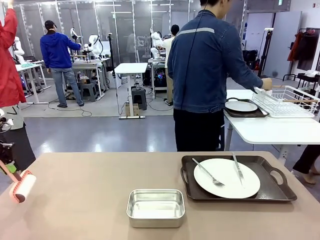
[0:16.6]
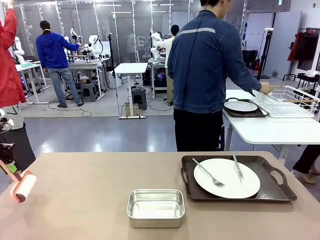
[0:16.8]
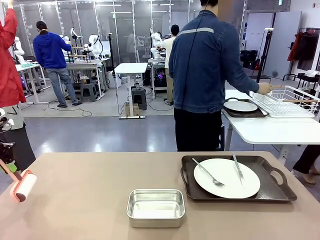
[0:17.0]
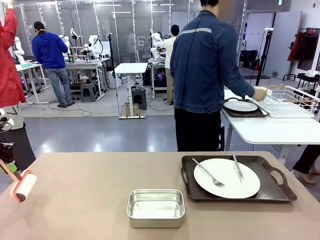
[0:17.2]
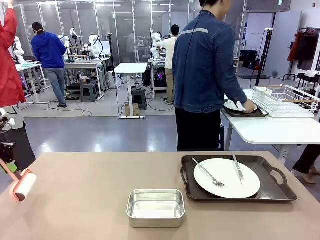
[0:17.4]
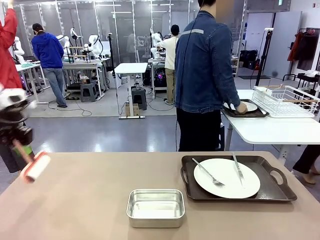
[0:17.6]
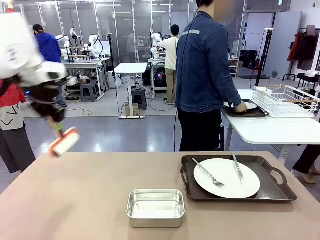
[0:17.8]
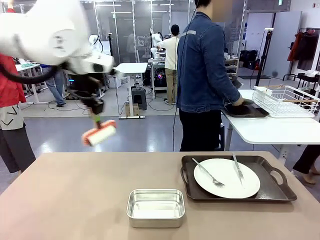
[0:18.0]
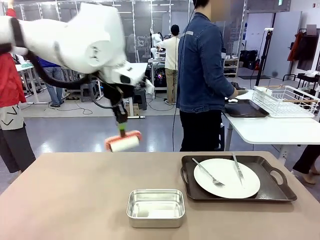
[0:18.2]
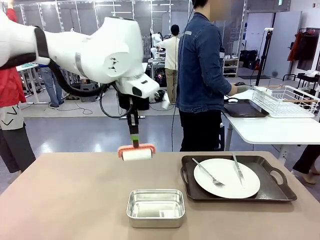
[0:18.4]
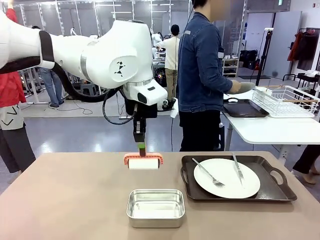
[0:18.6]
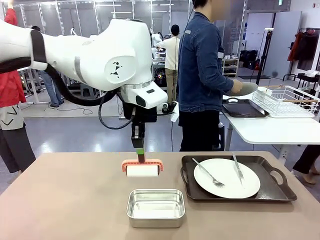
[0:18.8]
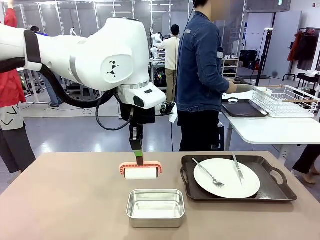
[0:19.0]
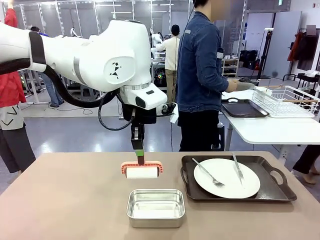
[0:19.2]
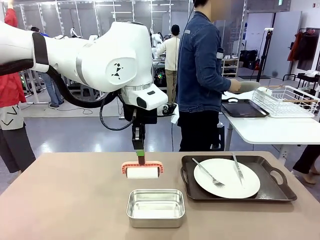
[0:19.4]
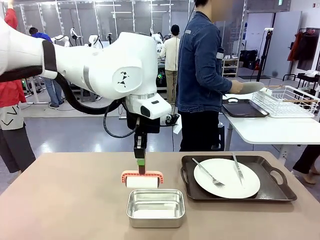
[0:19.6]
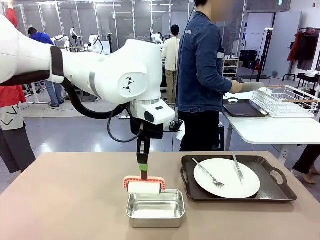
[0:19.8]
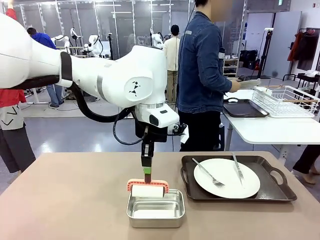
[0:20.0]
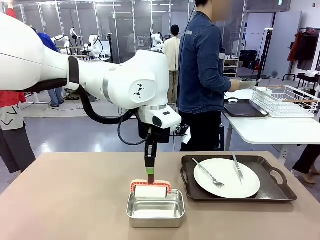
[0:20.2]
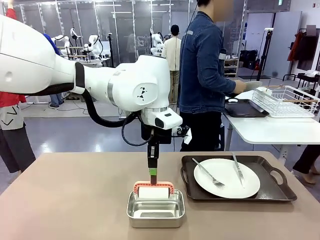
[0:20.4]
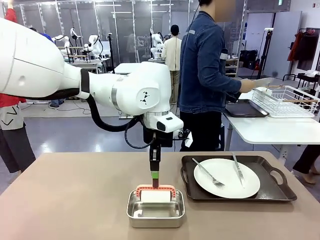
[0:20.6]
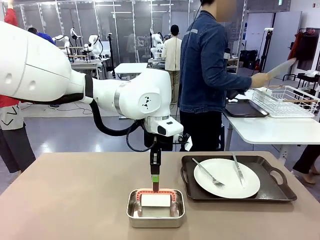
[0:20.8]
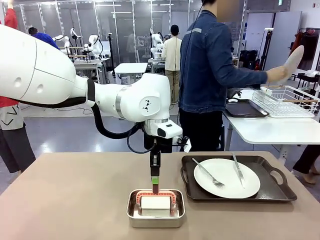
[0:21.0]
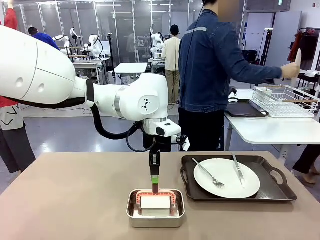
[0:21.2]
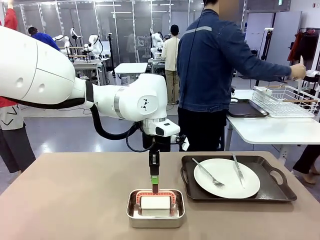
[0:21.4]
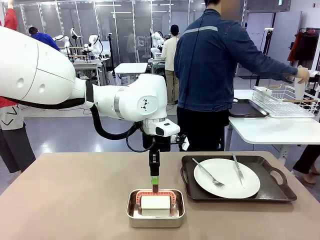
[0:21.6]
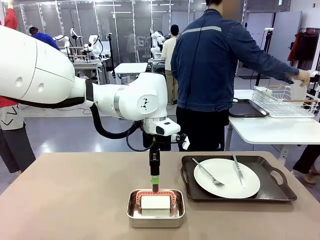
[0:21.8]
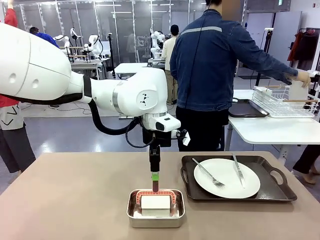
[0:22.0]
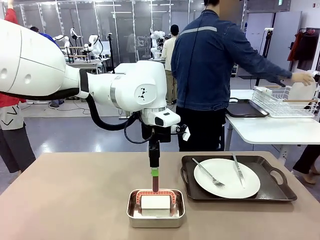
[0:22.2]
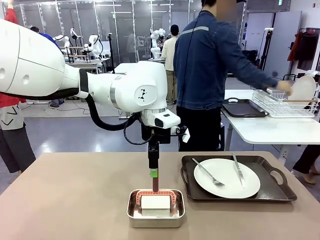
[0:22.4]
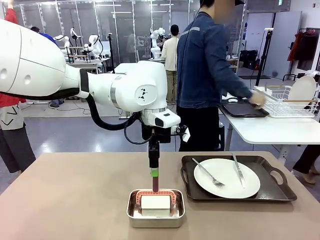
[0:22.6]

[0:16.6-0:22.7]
Robot: Place the Lint Roller back on top of the Airtight Container.

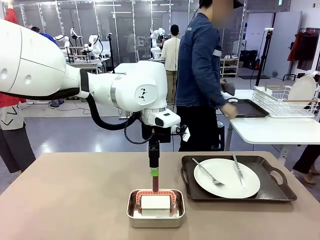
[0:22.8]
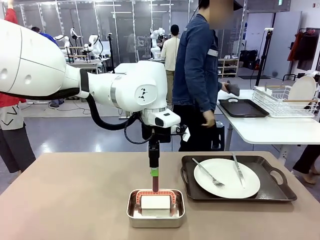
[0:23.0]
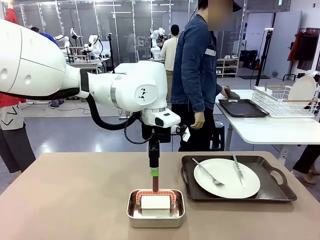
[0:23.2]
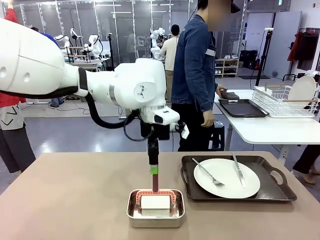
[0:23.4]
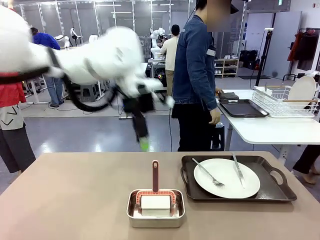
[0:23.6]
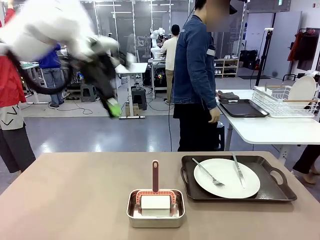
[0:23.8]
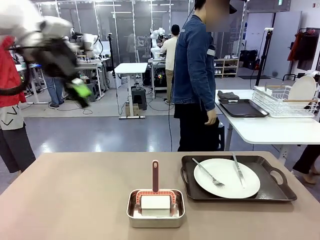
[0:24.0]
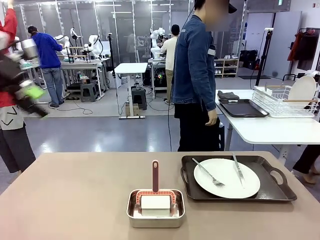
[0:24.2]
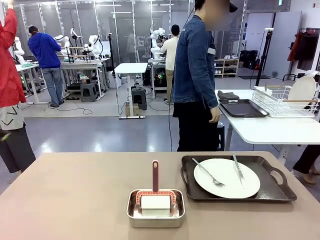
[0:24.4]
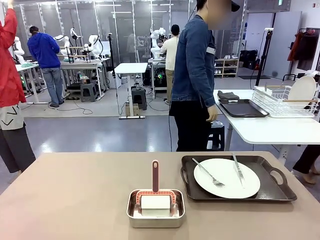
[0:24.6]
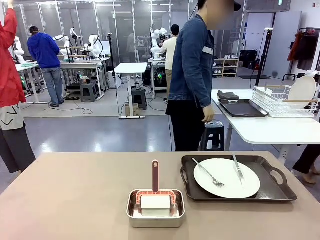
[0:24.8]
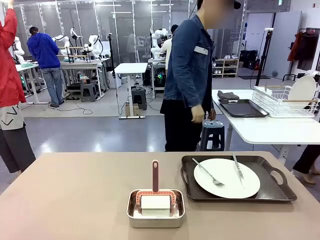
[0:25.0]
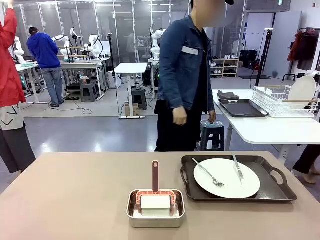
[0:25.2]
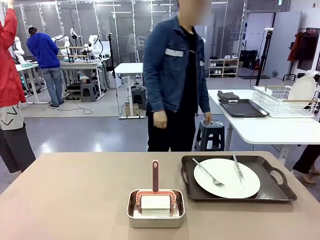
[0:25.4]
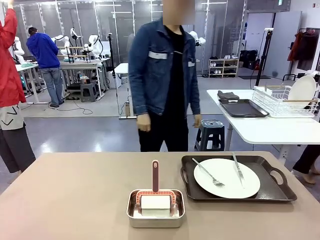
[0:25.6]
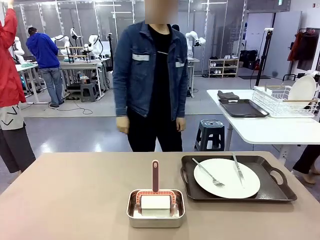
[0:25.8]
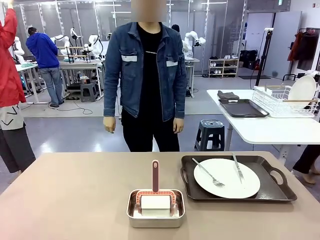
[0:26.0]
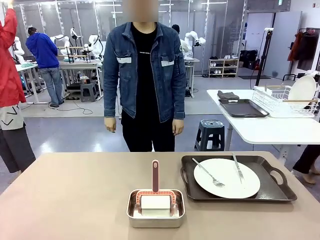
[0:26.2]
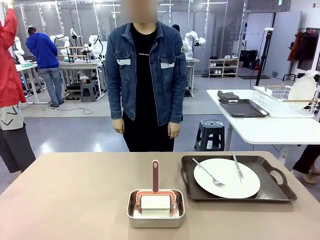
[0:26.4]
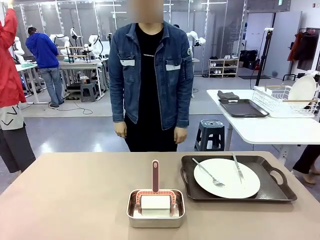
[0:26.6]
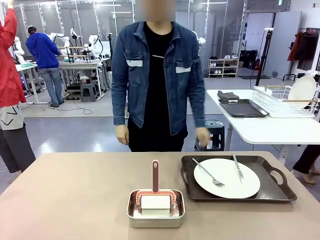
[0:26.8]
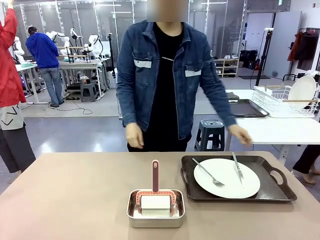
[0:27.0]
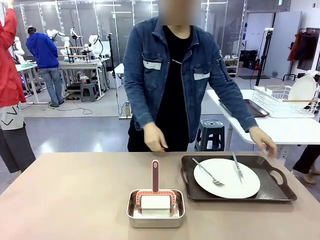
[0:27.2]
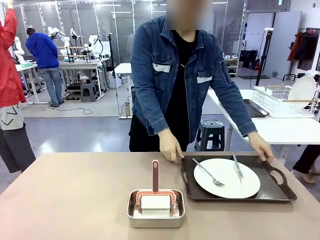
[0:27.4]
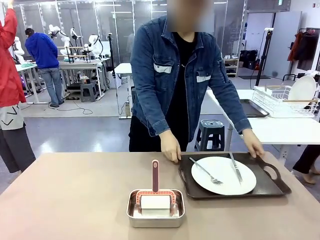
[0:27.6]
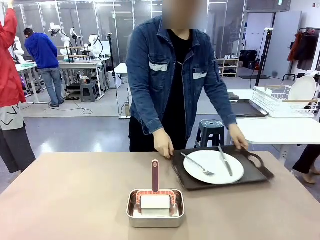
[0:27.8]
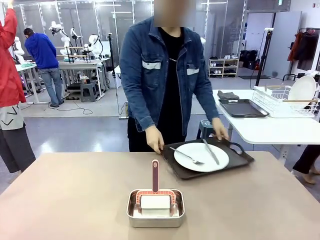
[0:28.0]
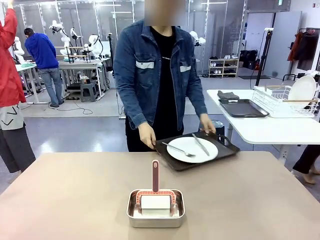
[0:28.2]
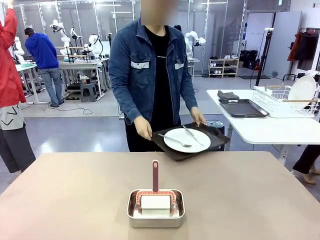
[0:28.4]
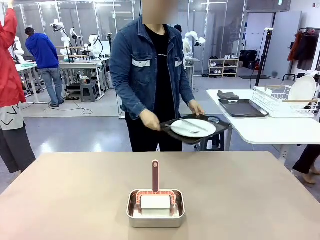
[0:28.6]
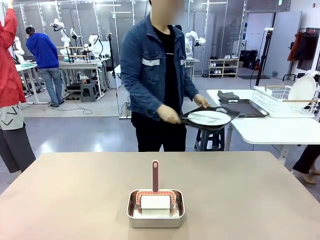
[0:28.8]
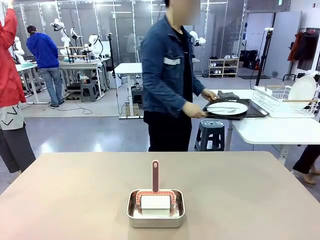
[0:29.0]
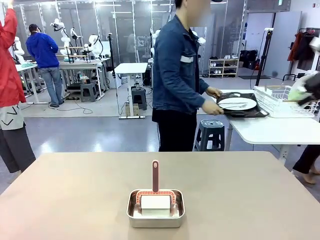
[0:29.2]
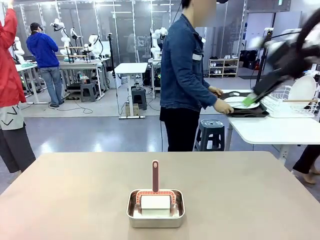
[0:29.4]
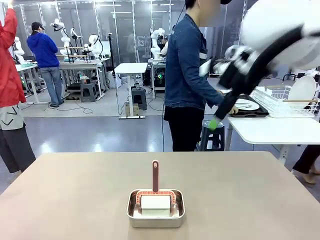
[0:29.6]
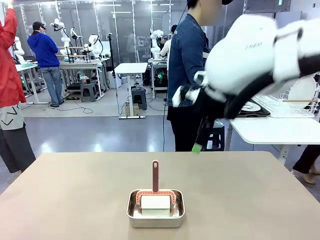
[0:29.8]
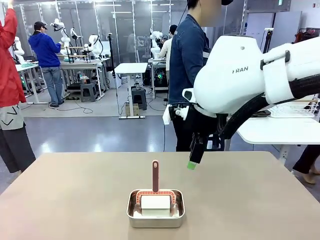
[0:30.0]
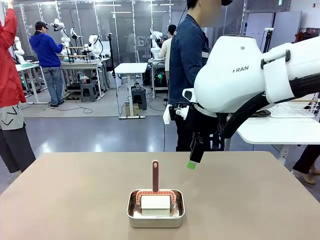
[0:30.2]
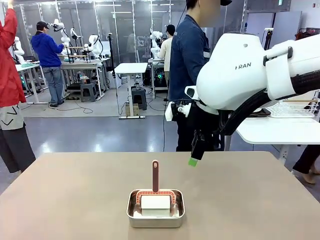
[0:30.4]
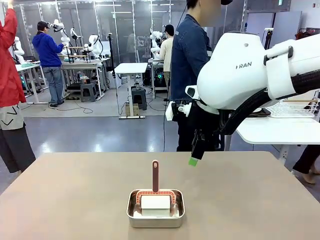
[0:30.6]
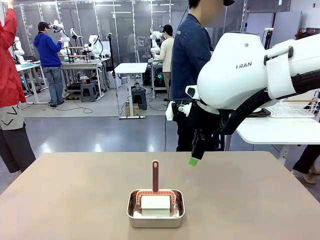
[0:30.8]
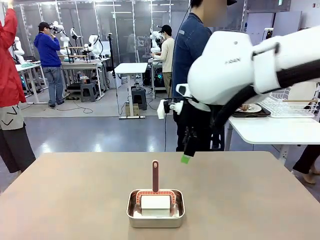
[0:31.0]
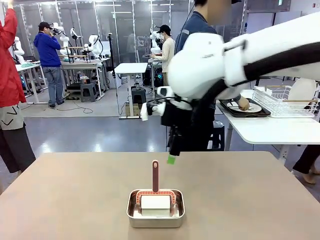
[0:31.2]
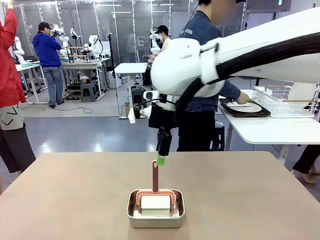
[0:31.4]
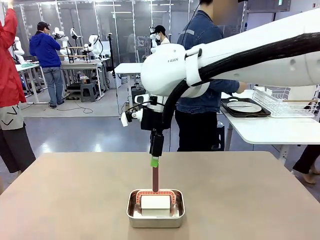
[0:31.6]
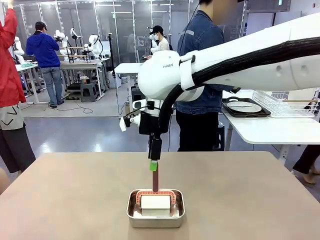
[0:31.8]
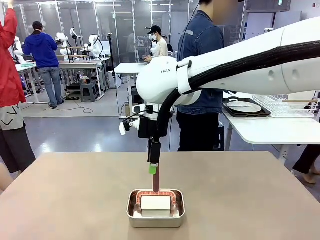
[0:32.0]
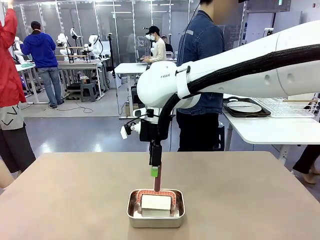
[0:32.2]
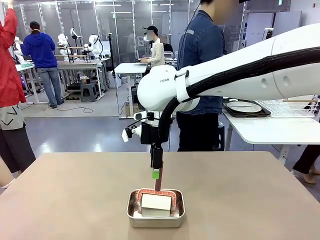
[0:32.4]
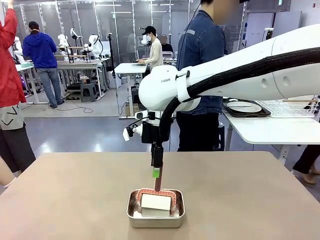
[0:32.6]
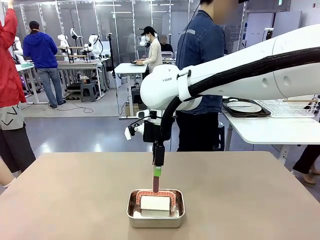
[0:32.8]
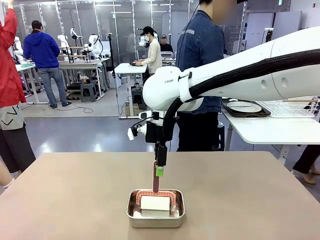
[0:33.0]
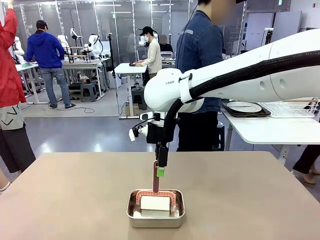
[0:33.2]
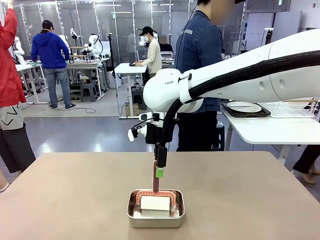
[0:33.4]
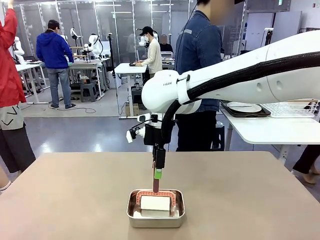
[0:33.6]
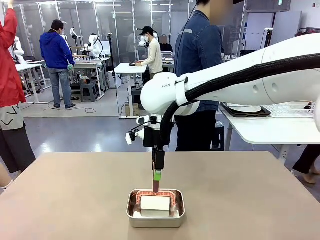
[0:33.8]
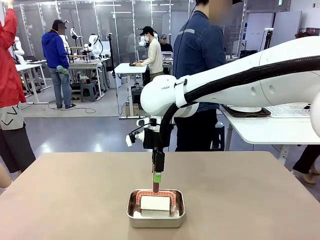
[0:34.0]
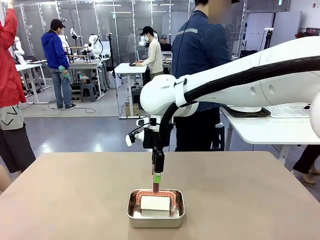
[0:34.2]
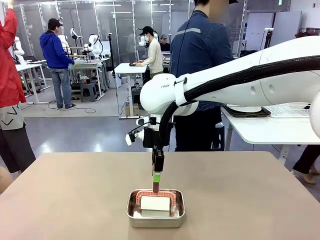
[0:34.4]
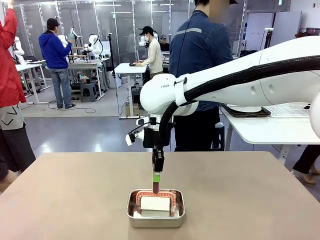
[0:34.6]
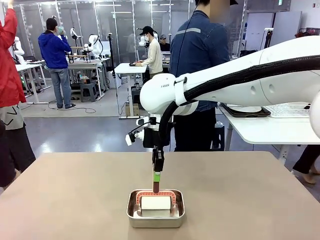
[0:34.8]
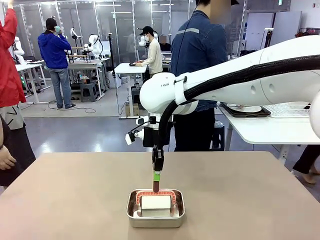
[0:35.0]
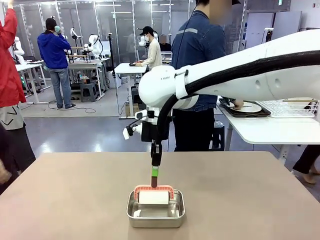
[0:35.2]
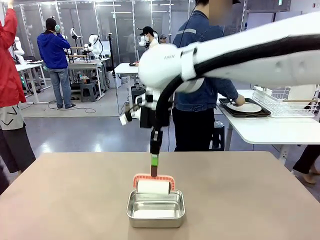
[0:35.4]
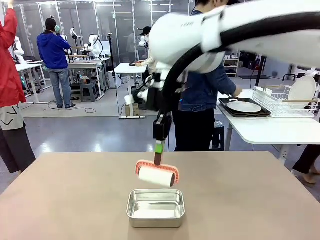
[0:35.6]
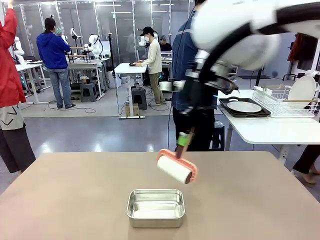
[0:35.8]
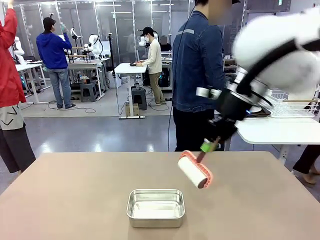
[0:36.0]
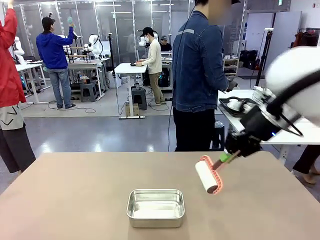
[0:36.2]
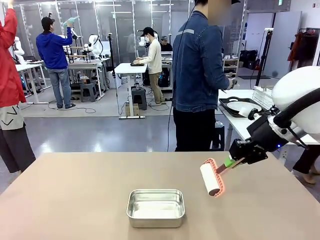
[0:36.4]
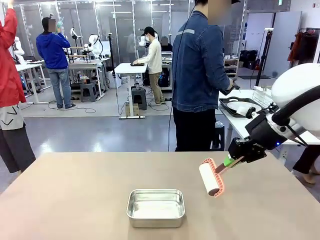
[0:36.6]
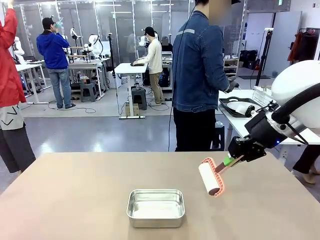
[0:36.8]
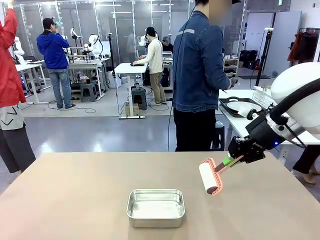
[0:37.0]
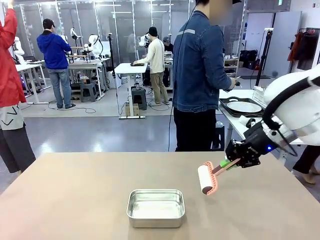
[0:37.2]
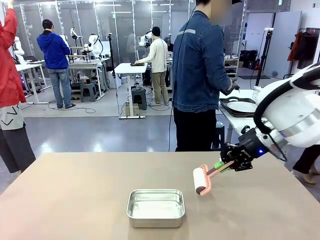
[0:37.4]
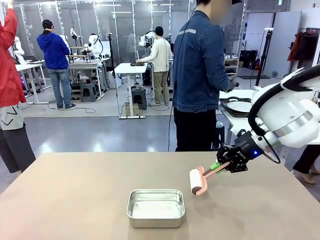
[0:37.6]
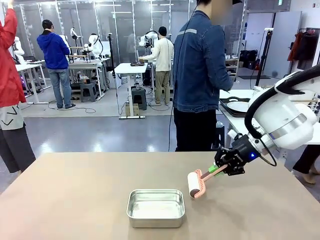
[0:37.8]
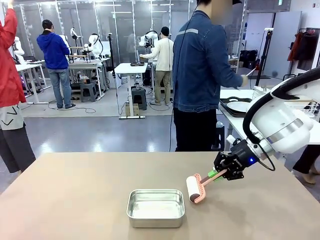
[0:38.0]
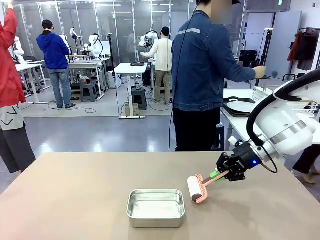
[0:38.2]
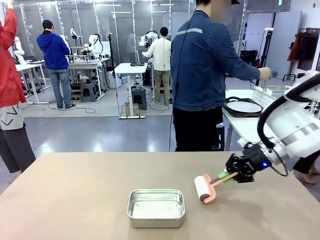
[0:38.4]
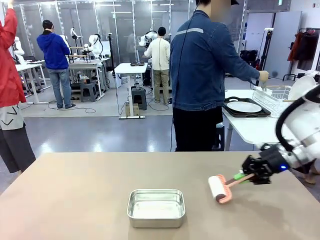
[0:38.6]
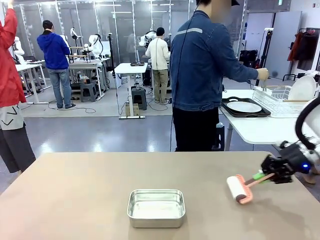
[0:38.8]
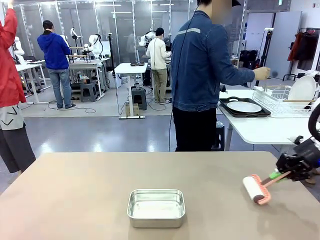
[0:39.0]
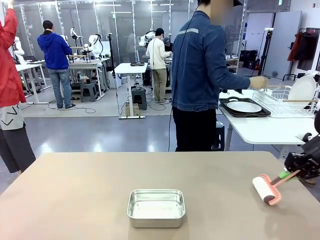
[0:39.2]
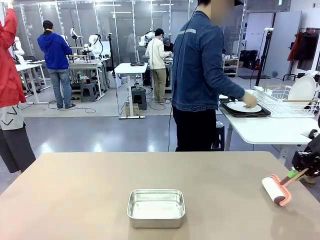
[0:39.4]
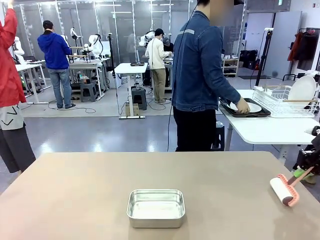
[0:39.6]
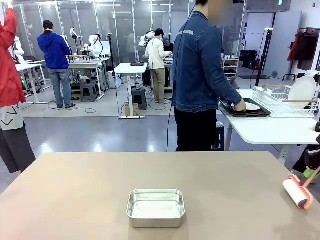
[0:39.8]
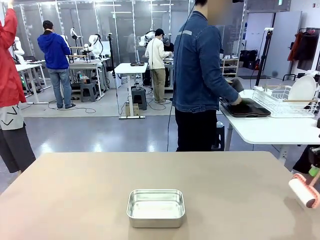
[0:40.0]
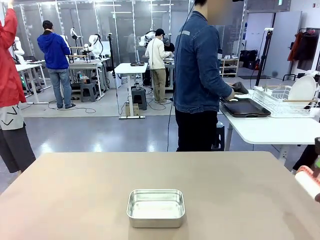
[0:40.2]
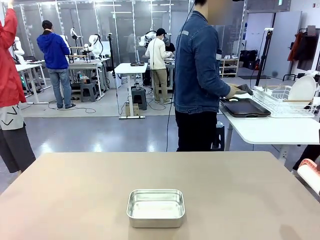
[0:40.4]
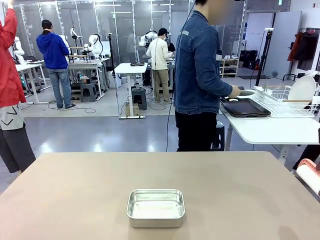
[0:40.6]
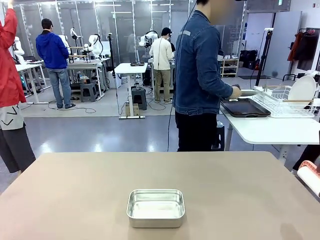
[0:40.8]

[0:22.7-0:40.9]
Robot: When the right (or left) Handle tray is removed, use the right hand (or left hand) to clean the right (or left) side of the table with the Lint Roller.
Person: Pick up the left (or right) Handle tray and place it on the Handle tray.
